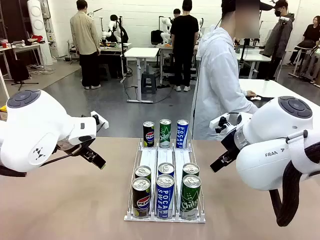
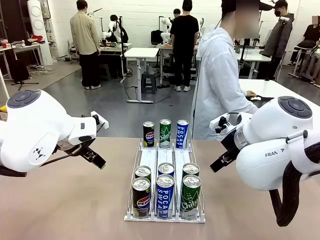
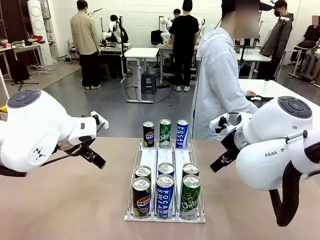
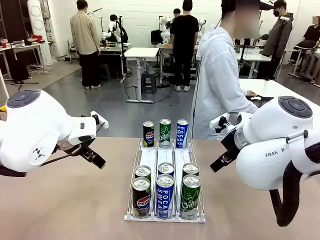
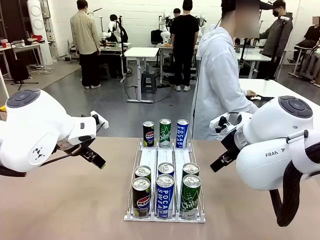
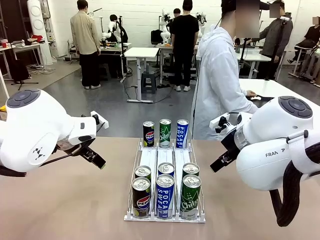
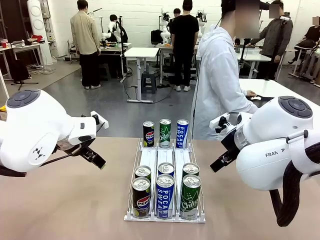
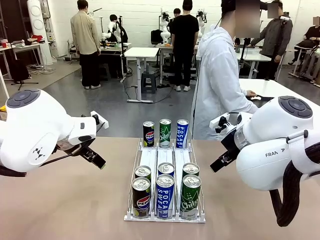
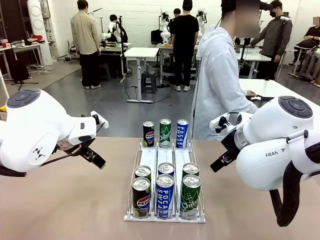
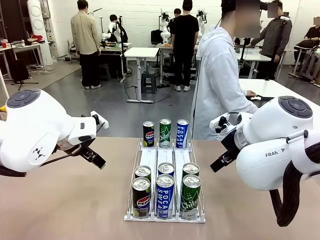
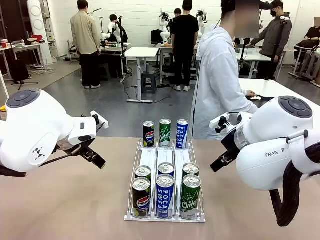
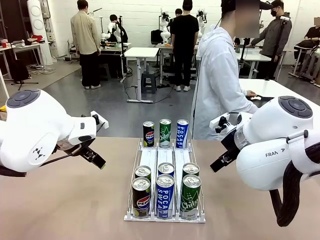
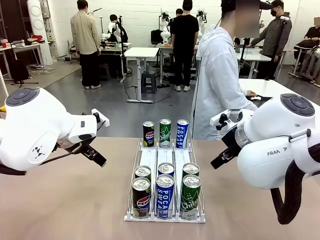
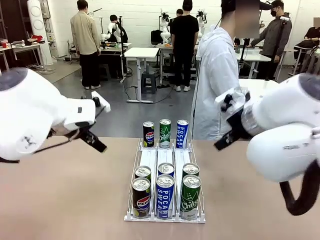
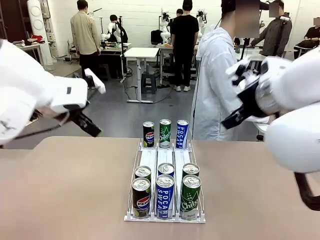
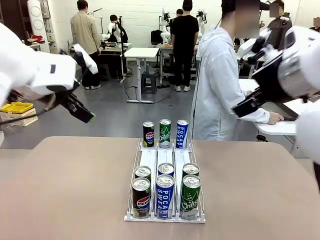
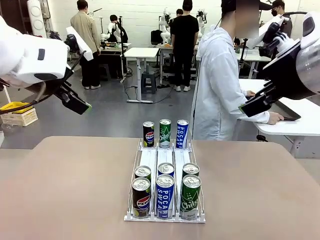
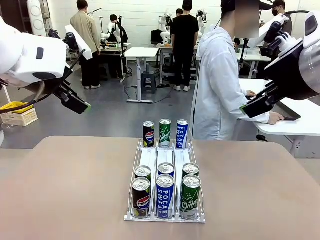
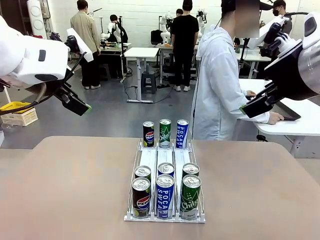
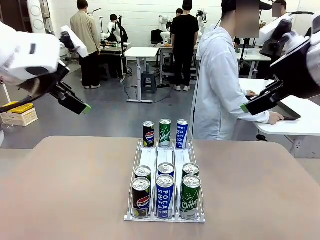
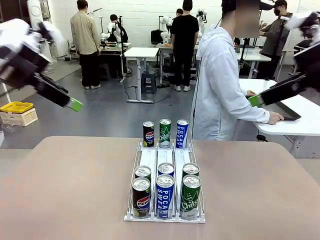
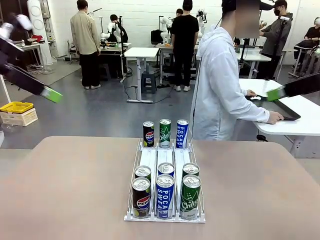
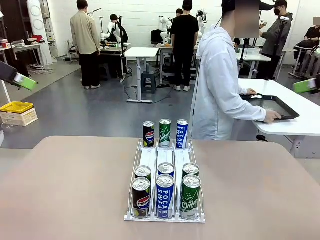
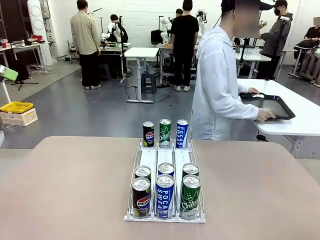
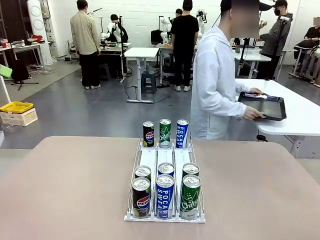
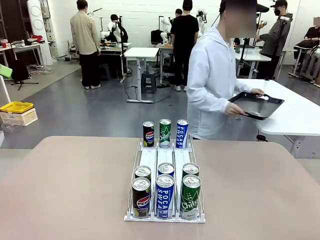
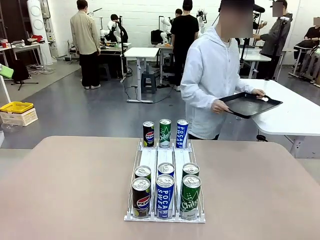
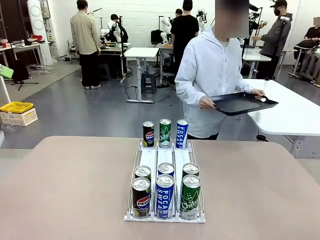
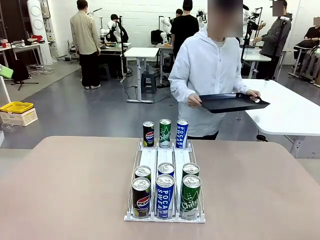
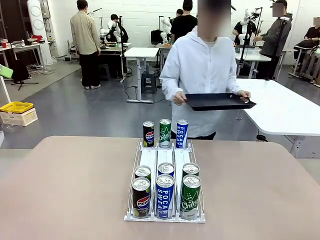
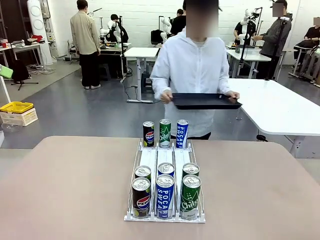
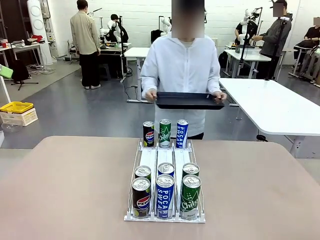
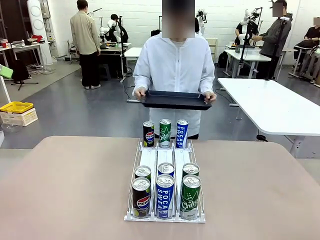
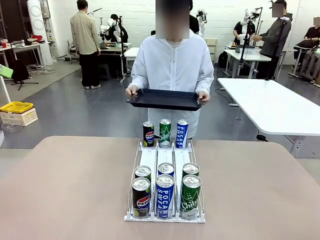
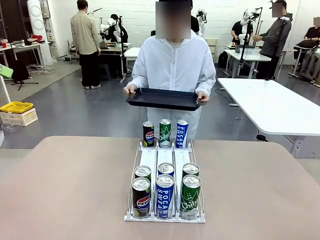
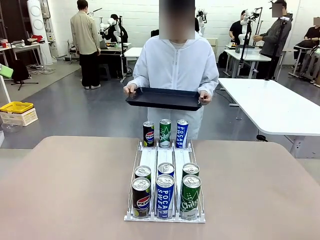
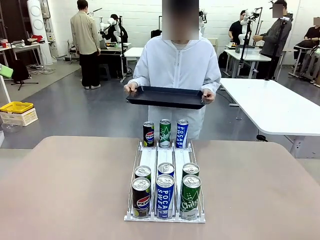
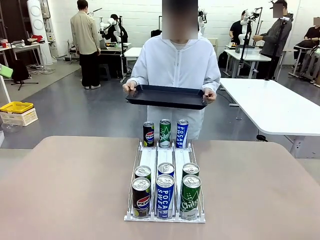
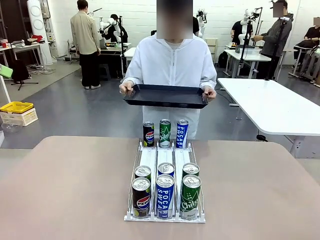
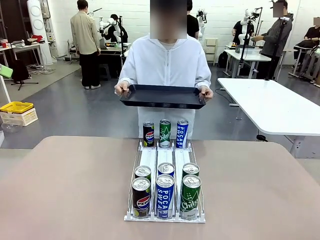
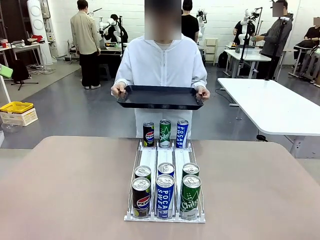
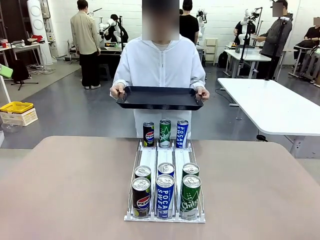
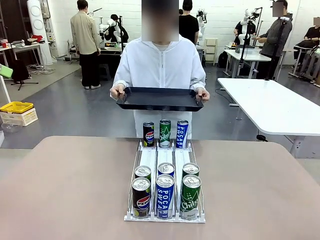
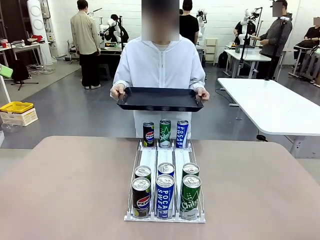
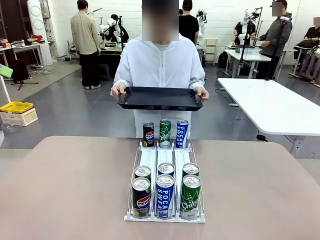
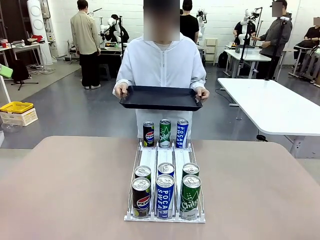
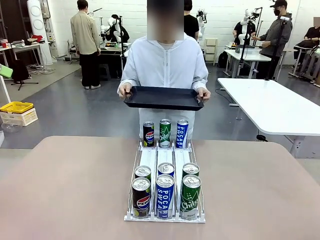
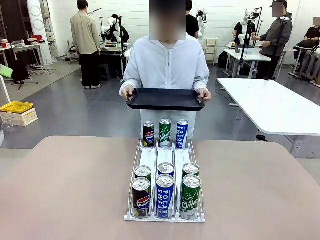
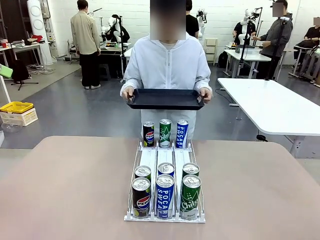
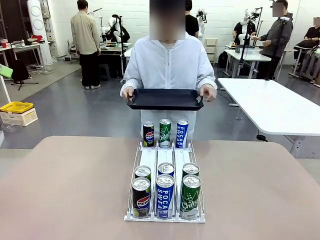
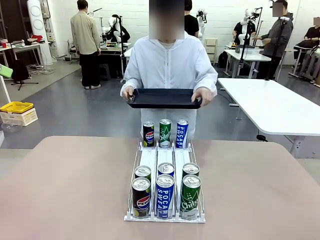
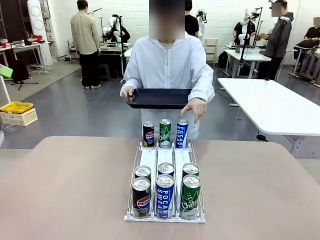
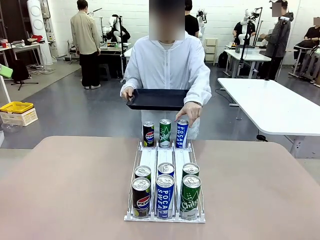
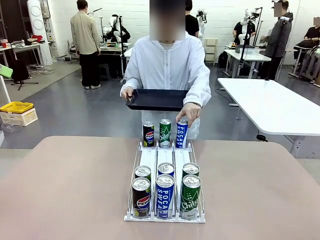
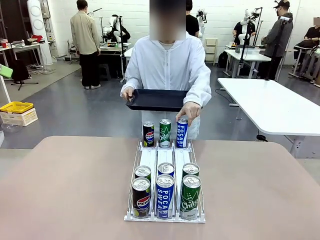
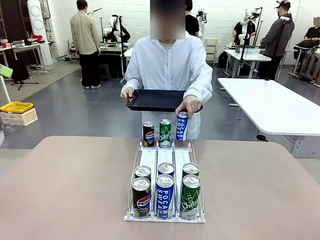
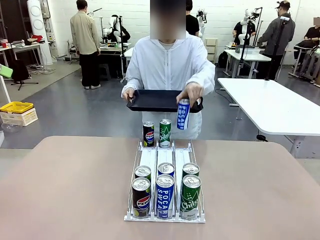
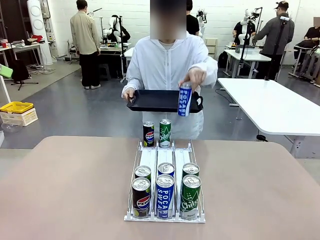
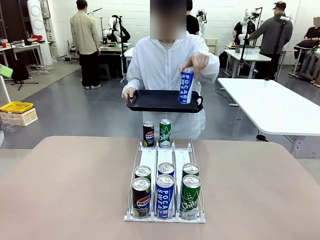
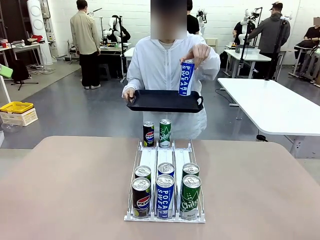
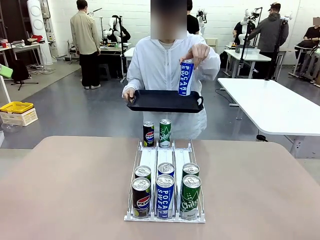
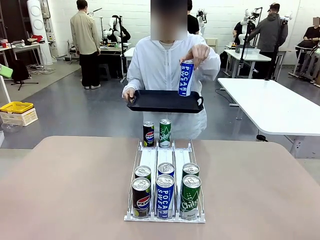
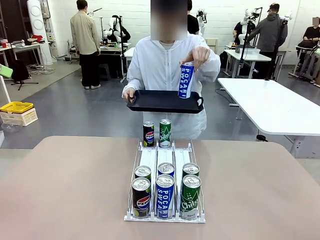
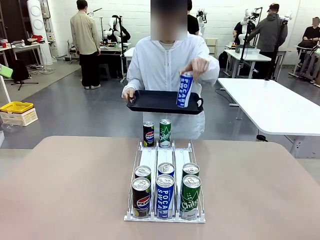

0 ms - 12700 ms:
Task: Retrieve and hand over the desired beverage to the person.
Robot: Pick up a can of the same type that the person held from the Automatic Can Dispenser.
Person: Hold the tray and position yourself in front of the robot table. Pick up one can from the bottom area of the table and puts it back in its original place.
